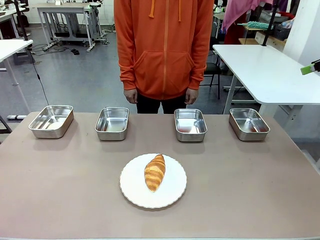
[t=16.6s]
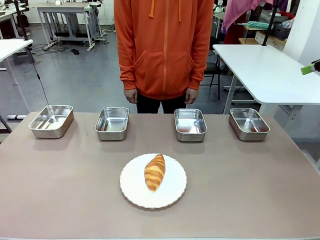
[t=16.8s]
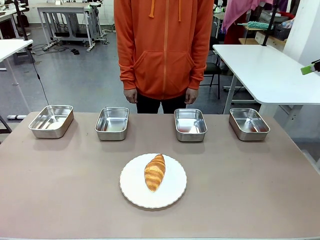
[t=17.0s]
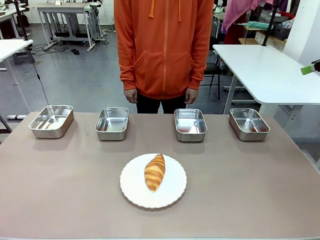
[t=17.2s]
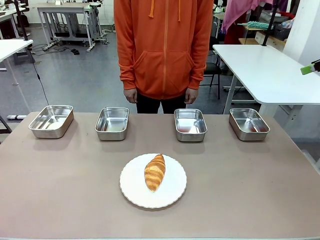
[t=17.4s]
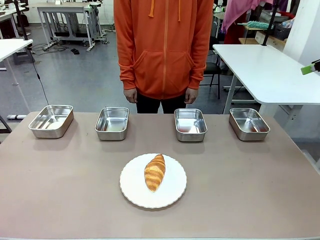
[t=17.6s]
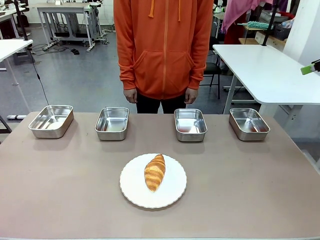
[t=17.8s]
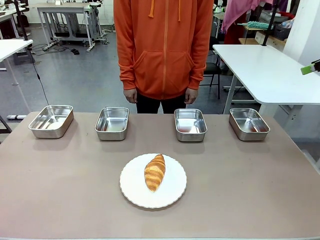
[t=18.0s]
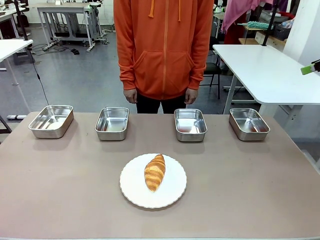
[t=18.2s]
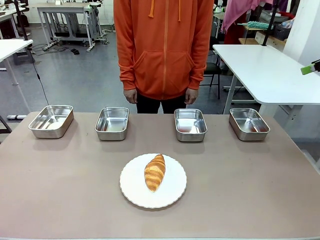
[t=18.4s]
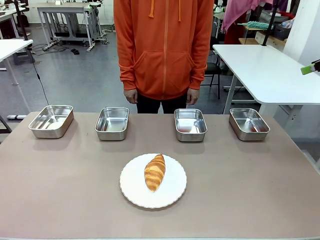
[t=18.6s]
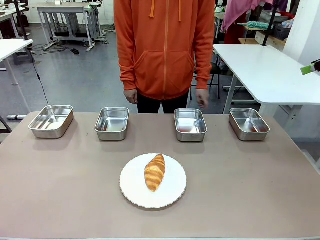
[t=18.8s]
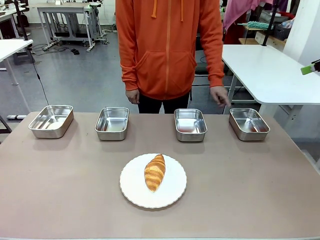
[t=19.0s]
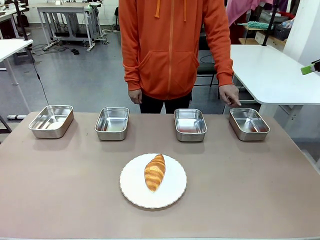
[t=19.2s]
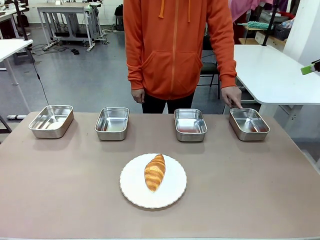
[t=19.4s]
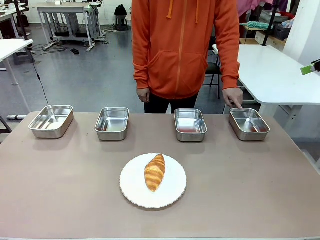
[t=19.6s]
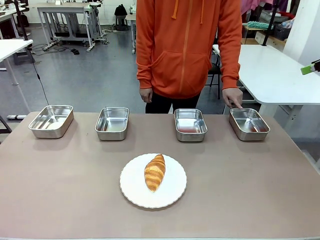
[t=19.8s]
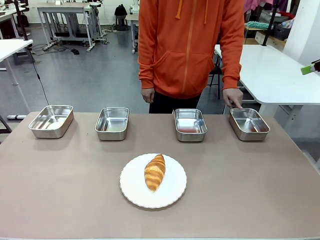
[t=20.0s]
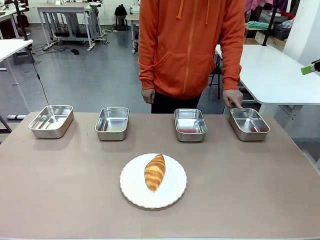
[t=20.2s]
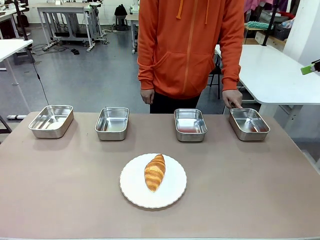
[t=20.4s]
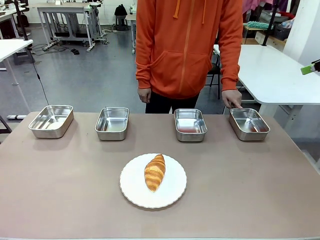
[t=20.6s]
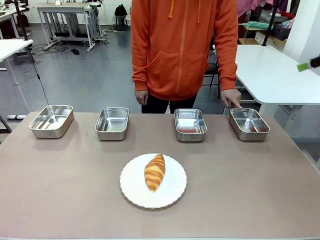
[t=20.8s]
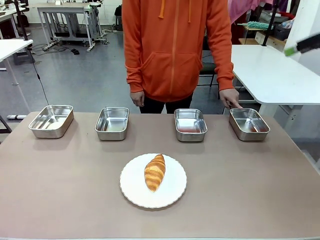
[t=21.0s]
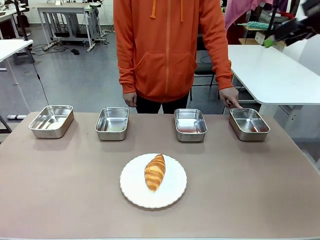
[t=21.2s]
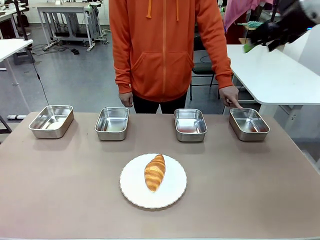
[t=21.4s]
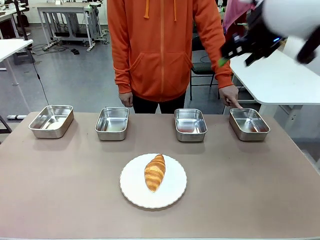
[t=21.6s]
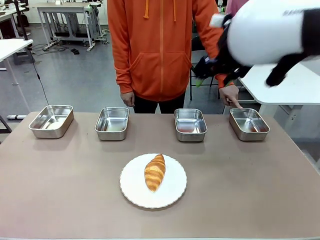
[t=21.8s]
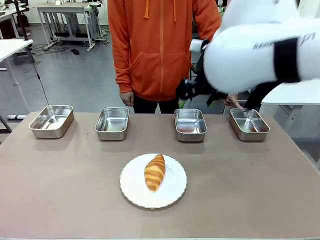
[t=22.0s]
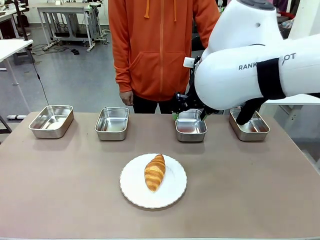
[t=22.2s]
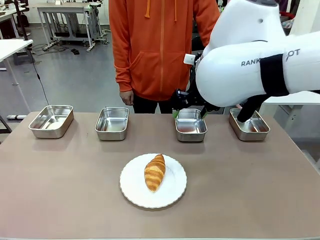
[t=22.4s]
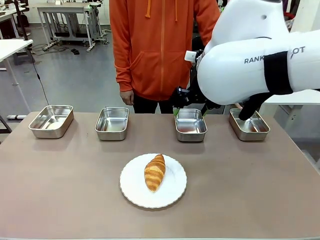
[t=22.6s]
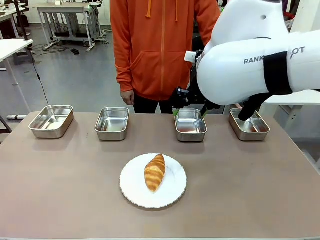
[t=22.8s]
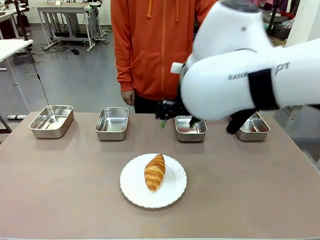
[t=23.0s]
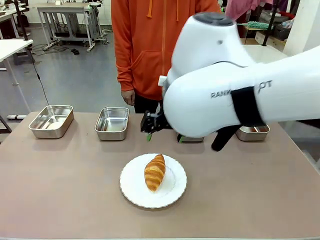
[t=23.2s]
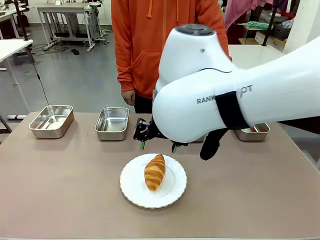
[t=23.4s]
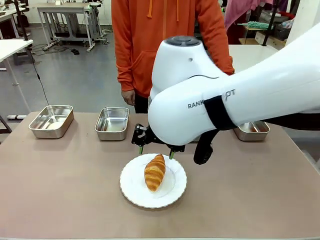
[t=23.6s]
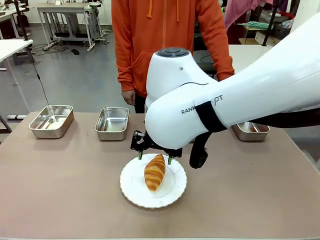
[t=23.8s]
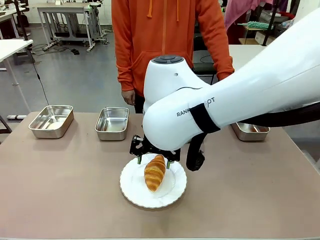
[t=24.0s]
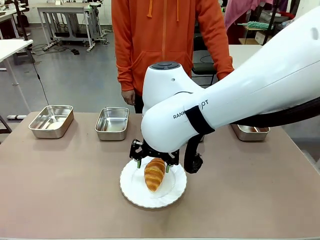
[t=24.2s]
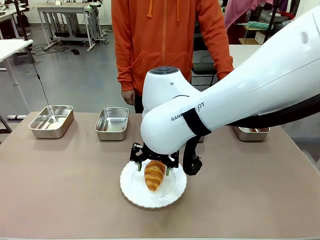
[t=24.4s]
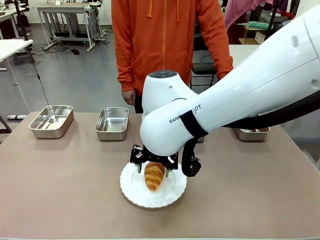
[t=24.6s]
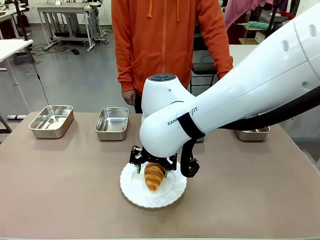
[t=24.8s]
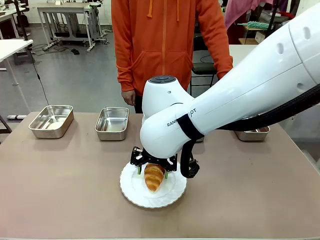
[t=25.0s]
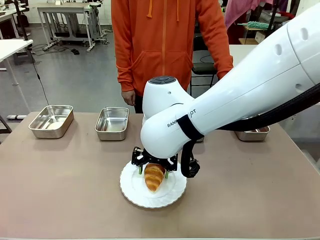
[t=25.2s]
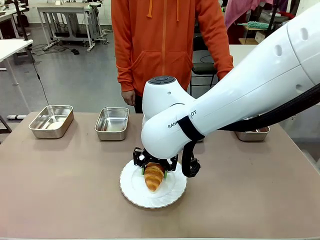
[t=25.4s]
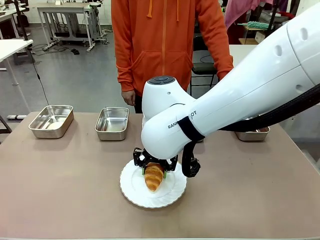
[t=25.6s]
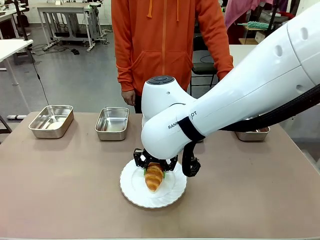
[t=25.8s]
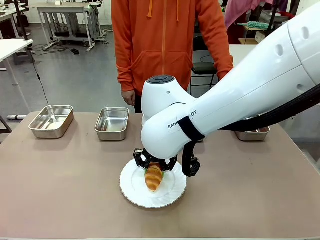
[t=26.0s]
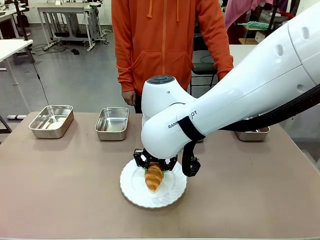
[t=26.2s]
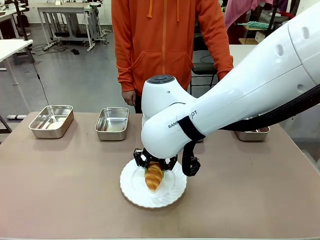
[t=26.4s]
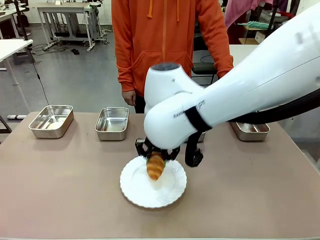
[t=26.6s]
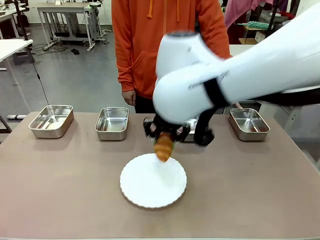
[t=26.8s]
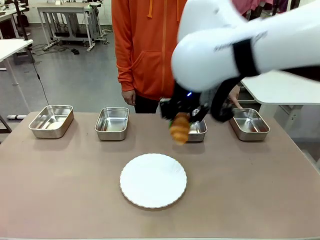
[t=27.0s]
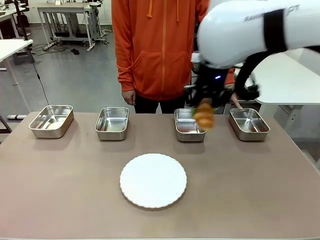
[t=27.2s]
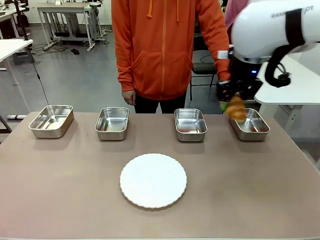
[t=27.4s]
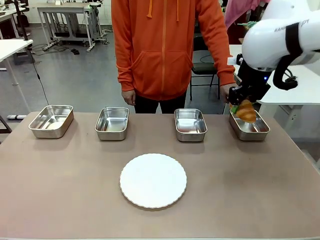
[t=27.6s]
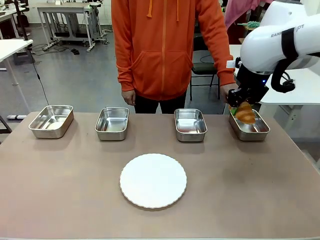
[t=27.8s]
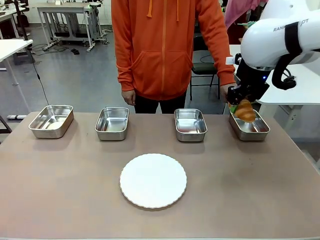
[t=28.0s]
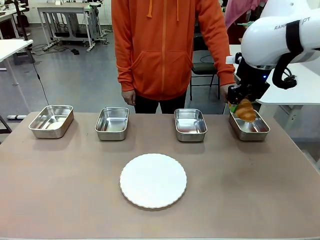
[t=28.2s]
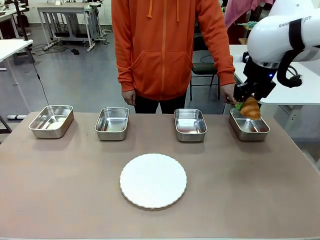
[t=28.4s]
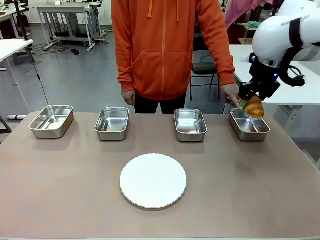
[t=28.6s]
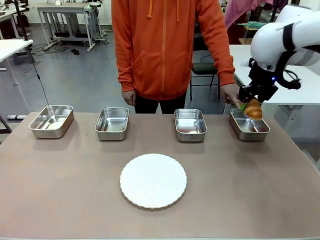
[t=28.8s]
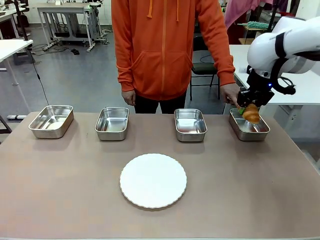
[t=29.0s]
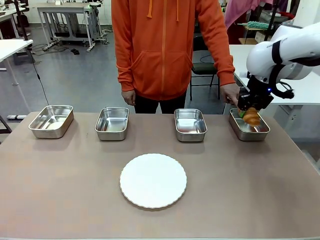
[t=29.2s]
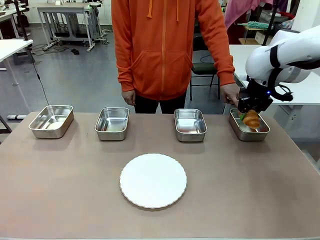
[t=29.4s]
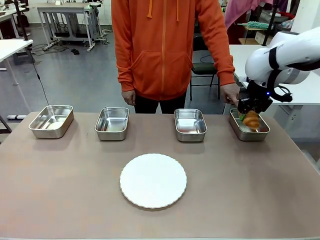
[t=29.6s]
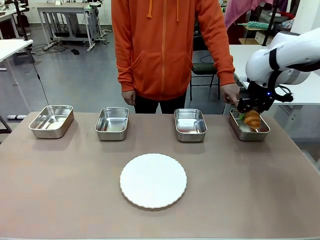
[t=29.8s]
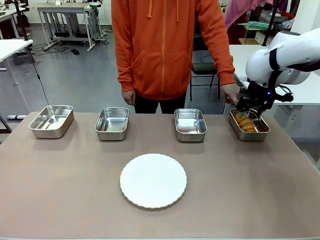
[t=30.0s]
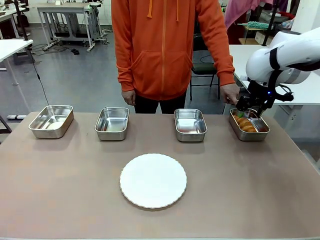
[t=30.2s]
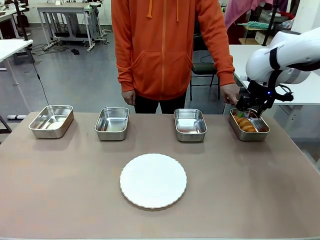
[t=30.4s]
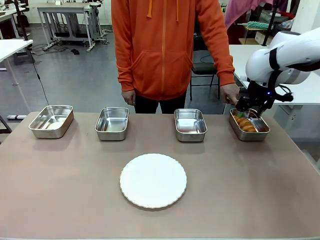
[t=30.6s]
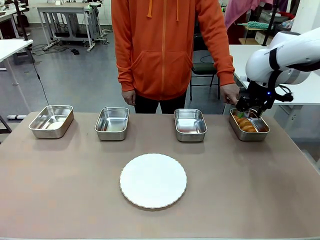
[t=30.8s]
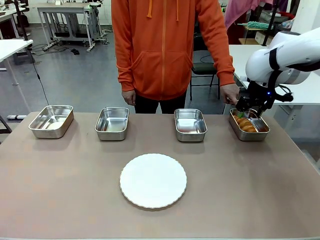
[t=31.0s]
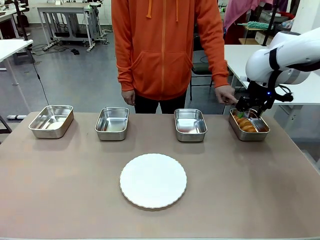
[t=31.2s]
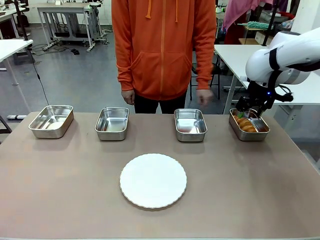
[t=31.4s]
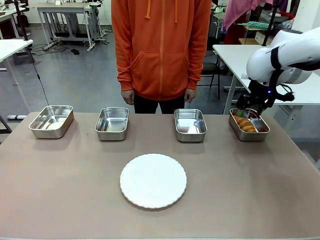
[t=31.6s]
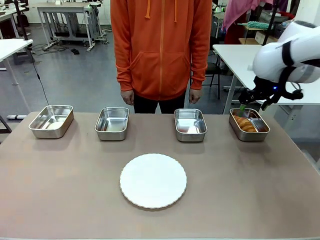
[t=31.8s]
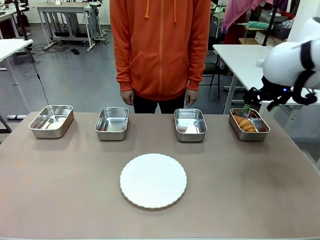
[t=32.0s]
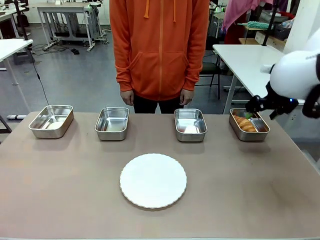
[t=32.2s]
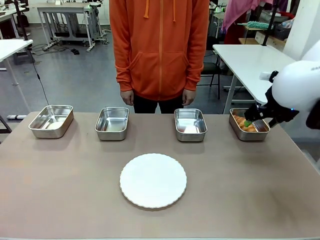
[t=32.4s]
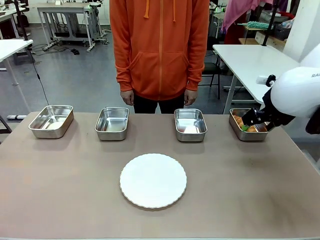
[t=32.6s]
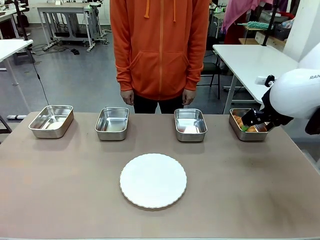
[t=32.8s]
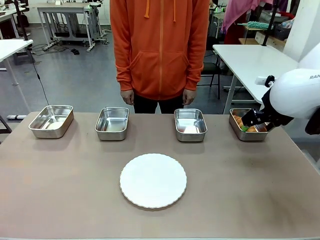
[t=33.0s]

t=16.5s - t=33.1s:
Task: Place the bread in the container.
Robot: Place the Butter Roll into the Airtight Container indicated by the human.
Person: A person randomly selects and points to an Airtight Container.

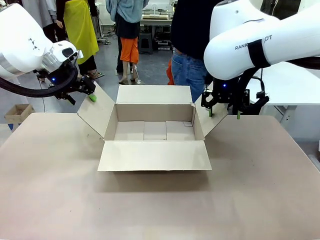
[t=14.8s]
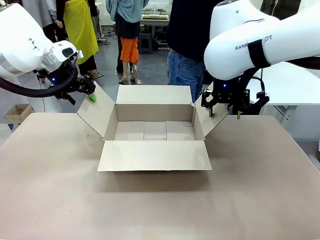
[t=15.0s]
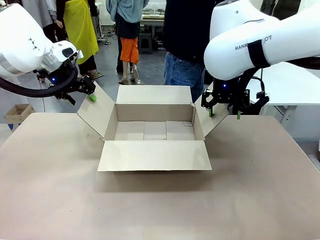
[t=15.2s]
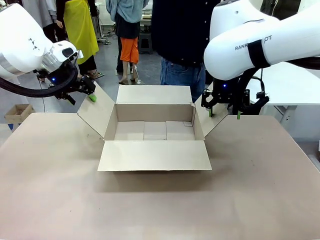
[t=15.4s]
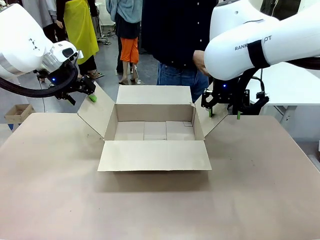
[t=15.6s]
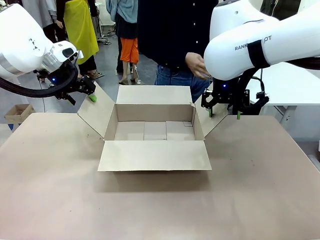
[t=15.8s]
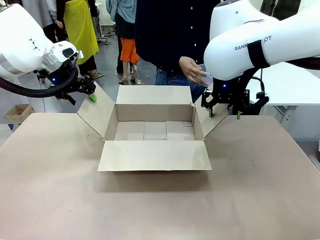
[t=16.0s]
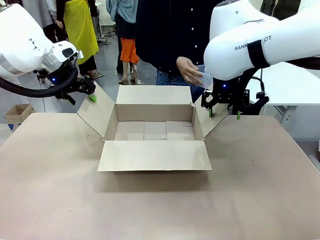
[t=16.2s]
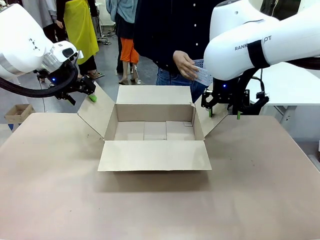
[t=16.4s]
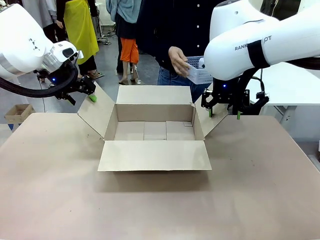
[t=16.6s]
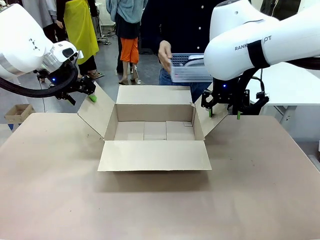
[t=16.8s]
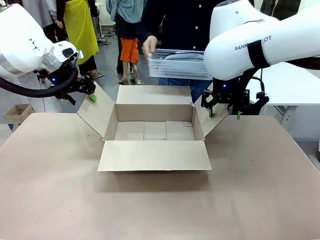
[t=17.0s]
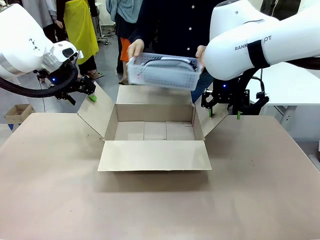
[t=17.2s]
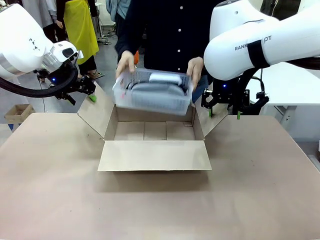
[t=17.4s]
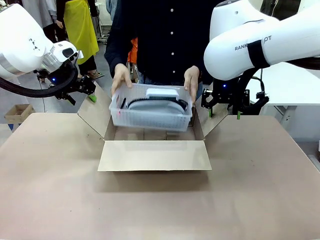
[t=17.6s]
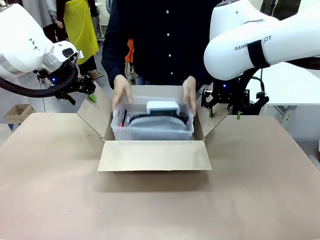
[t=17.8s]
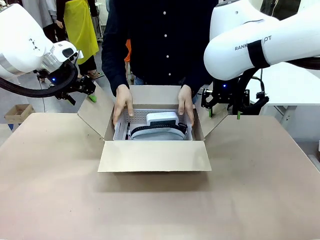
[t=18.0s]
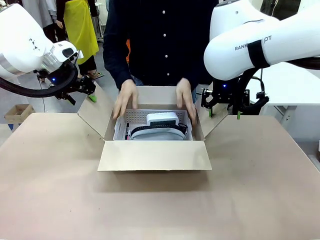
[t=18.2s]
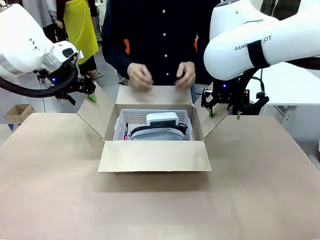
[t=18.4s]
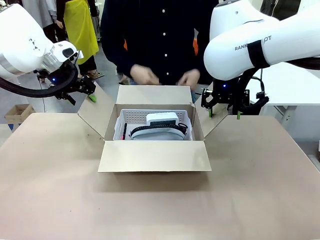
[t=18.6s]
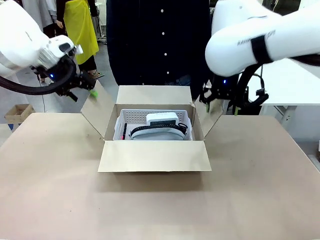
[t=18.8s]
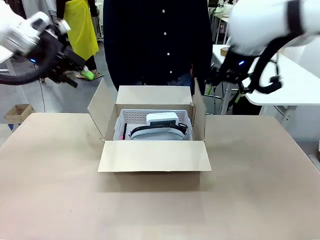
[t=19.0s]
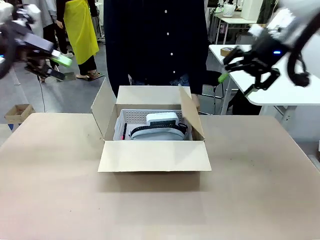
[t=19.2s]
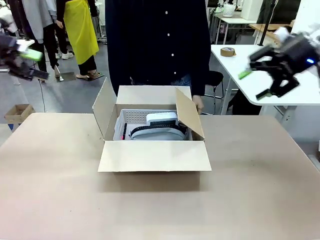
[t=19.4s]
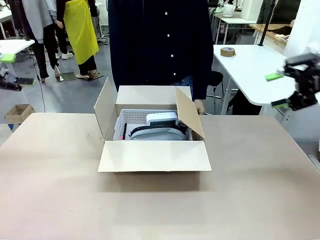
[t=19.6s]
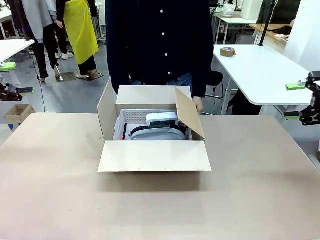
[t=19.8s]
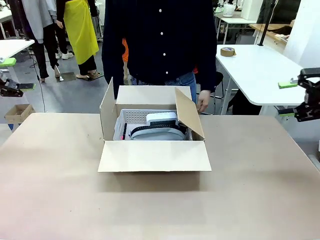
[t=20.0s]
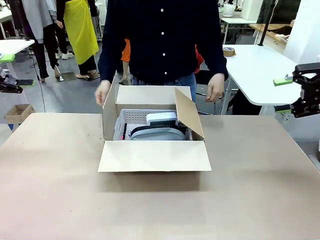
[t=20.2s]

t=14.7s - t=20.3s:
Task: Pack the gift set into the box.
Robot: Lift both hands away from the flaps of the Package Box.
Person: The human picks up the organizing basket and places the organizing basket into the package box on the robot table.
